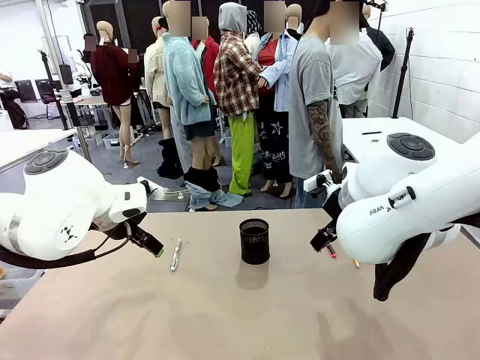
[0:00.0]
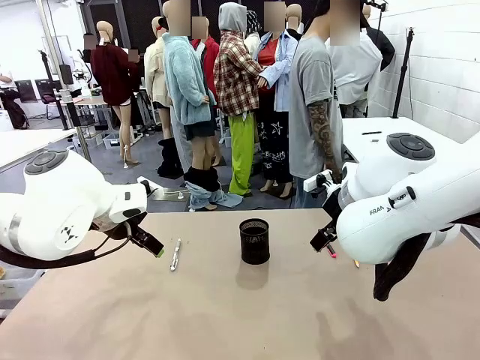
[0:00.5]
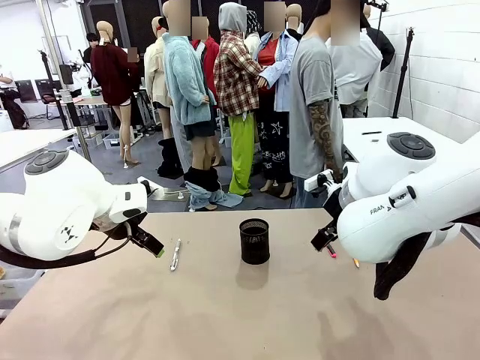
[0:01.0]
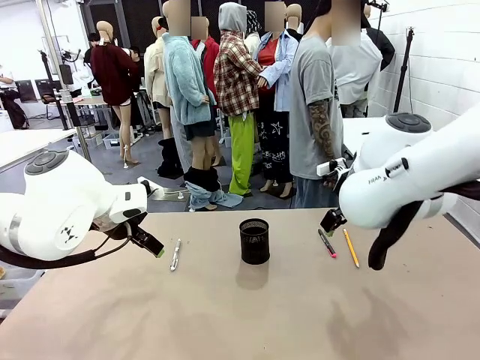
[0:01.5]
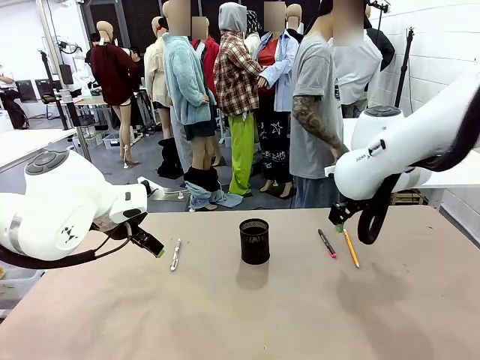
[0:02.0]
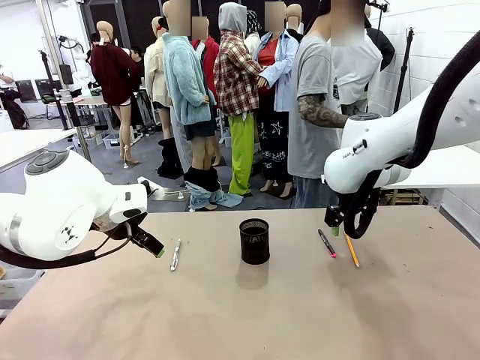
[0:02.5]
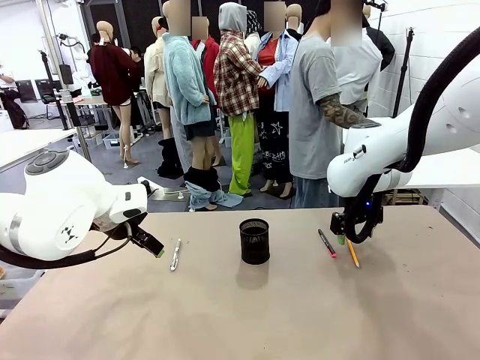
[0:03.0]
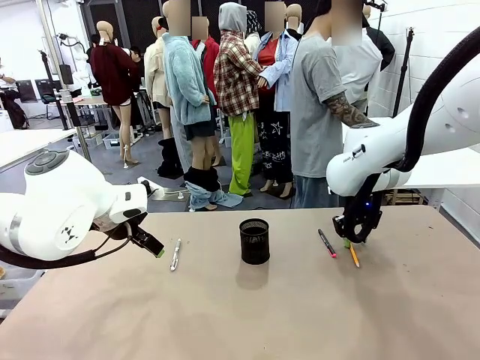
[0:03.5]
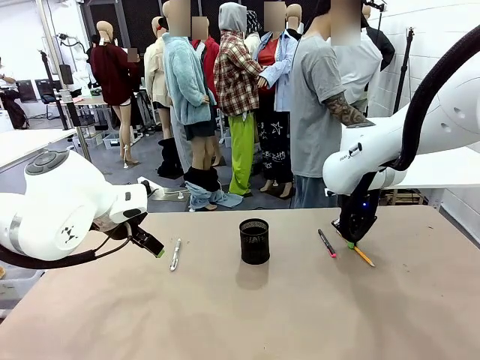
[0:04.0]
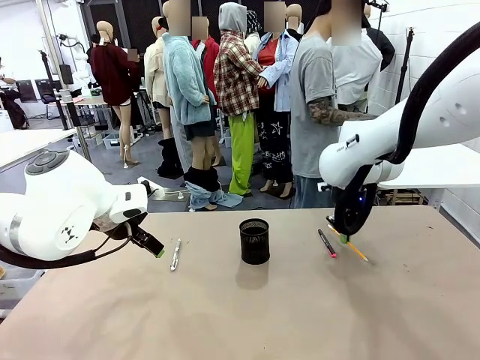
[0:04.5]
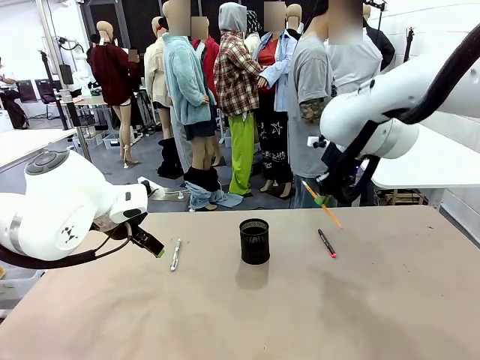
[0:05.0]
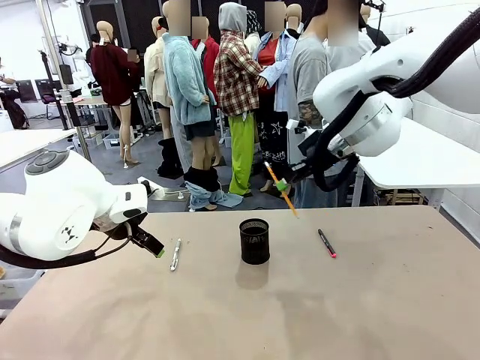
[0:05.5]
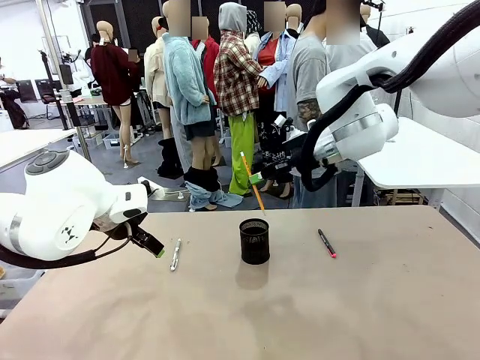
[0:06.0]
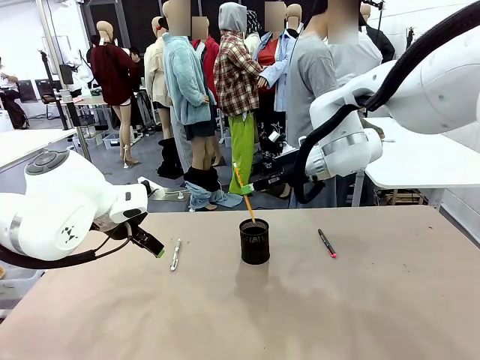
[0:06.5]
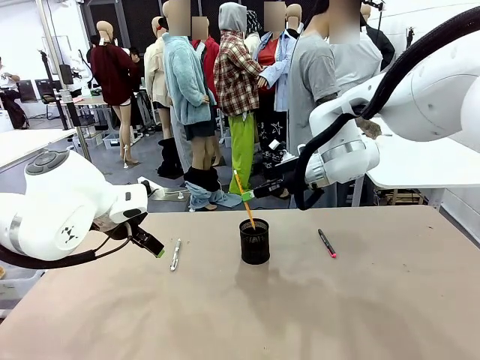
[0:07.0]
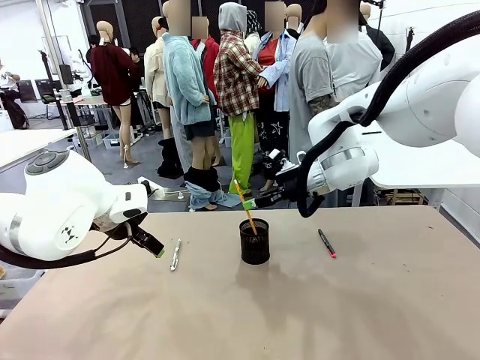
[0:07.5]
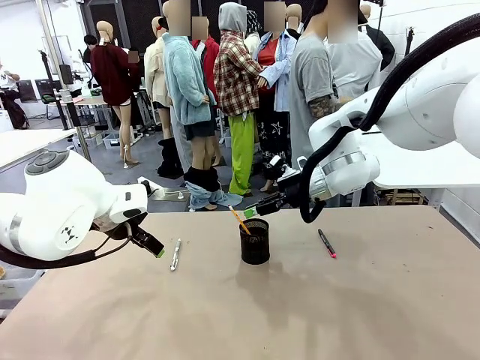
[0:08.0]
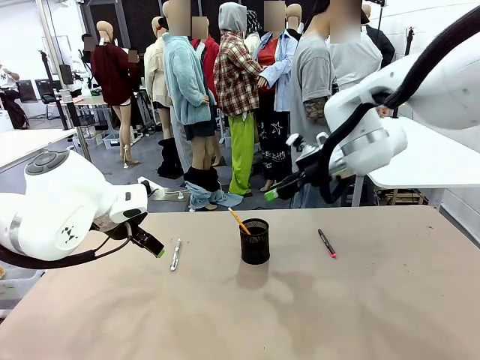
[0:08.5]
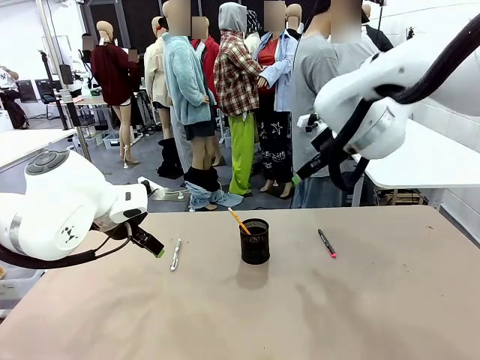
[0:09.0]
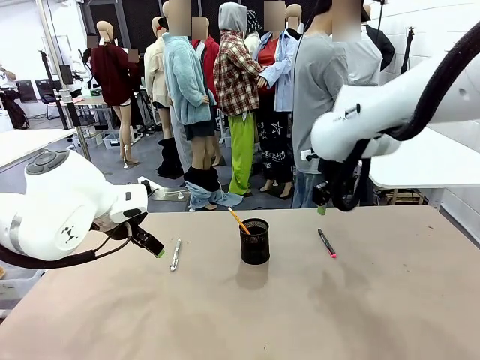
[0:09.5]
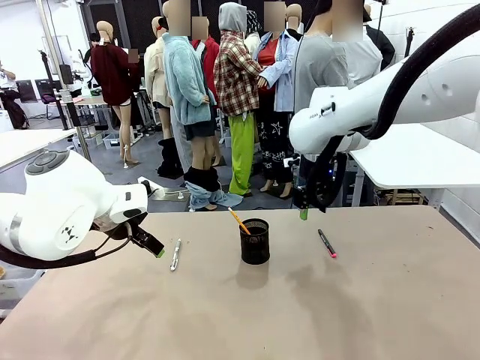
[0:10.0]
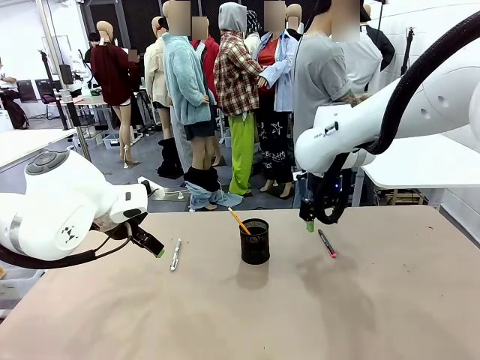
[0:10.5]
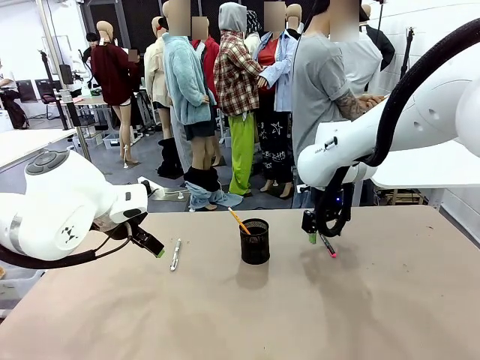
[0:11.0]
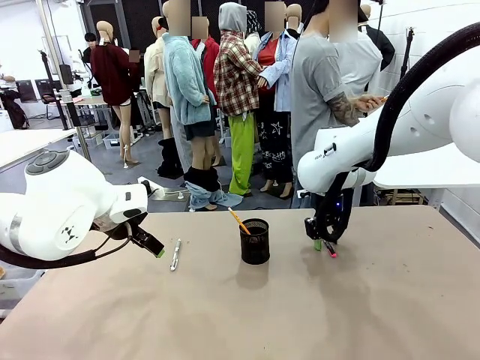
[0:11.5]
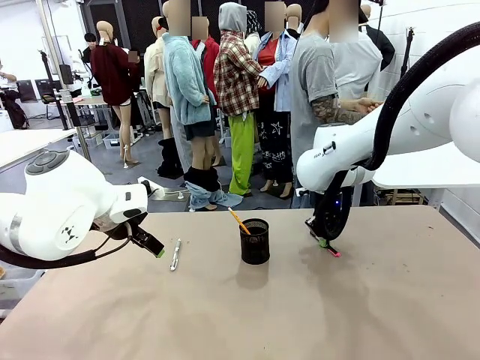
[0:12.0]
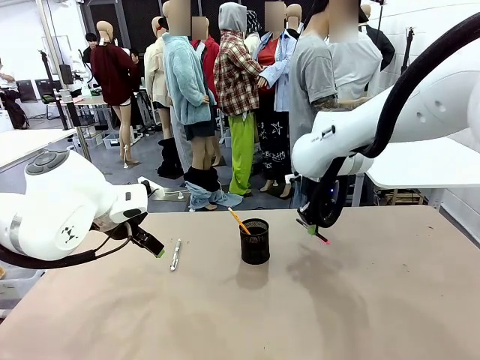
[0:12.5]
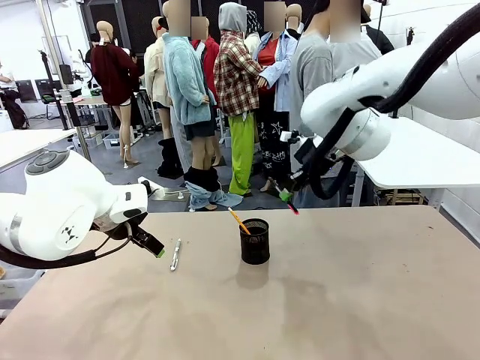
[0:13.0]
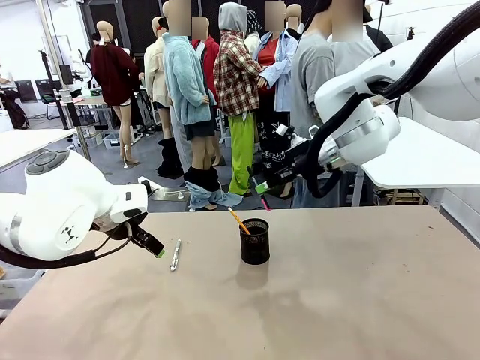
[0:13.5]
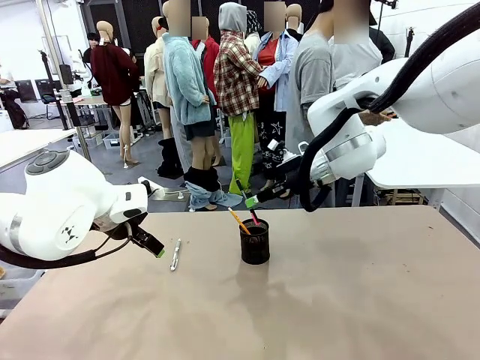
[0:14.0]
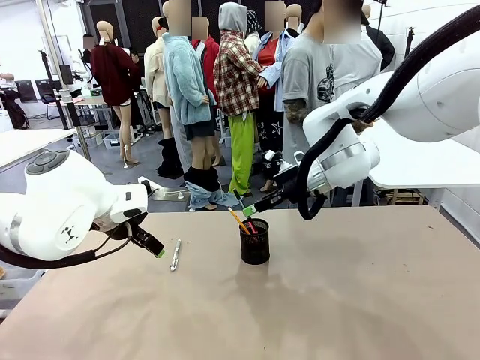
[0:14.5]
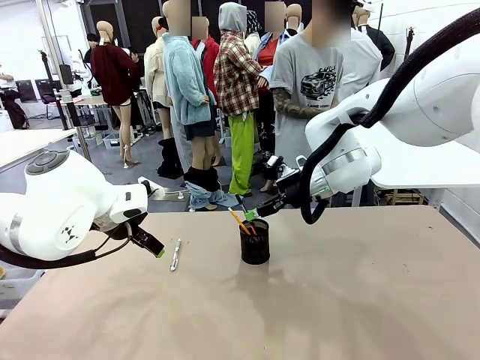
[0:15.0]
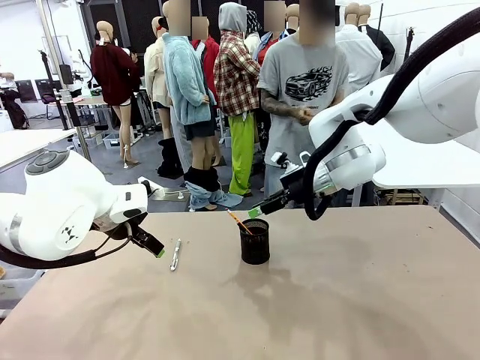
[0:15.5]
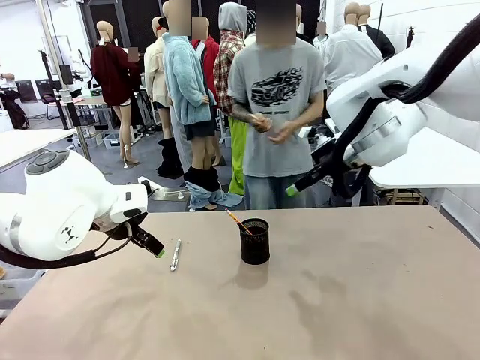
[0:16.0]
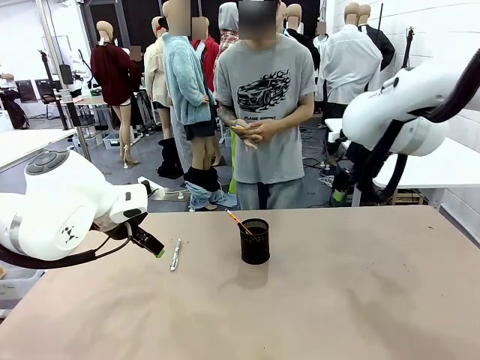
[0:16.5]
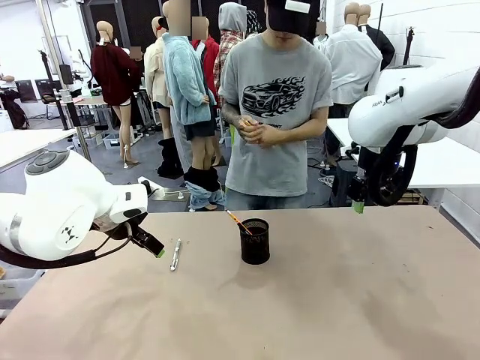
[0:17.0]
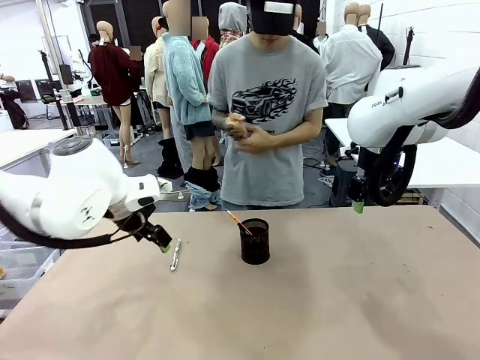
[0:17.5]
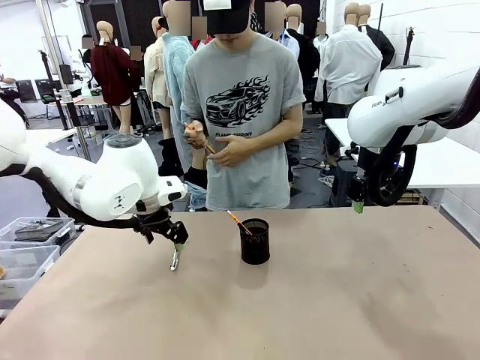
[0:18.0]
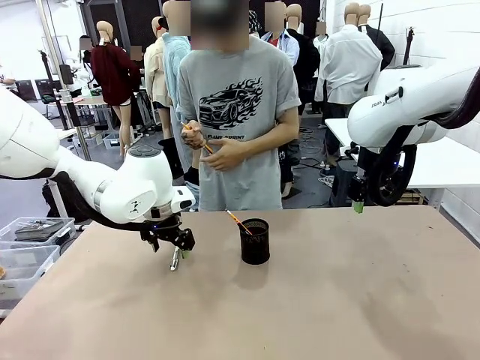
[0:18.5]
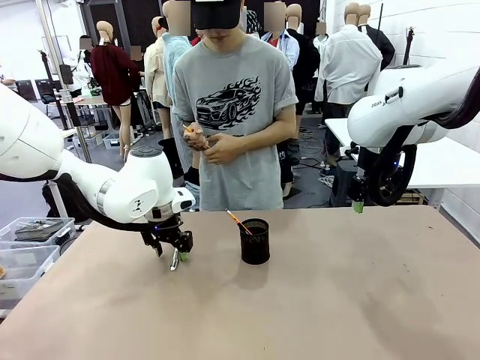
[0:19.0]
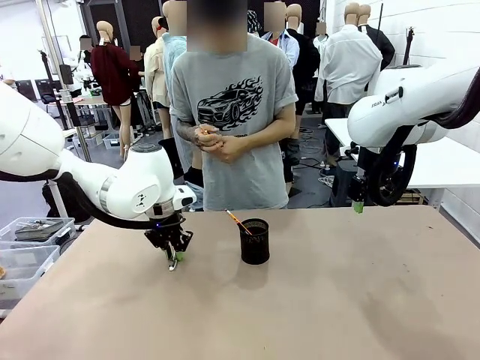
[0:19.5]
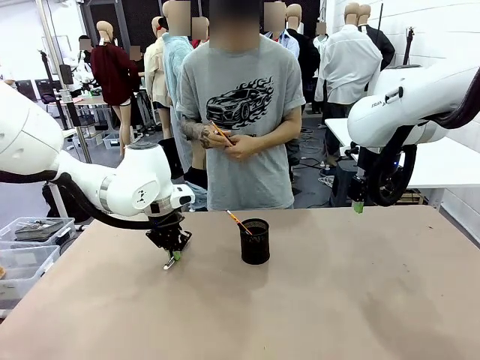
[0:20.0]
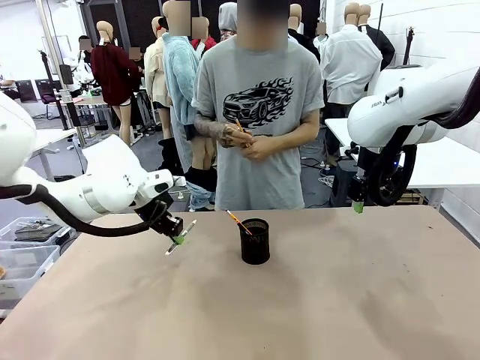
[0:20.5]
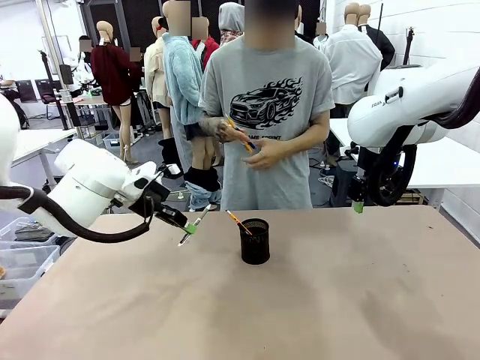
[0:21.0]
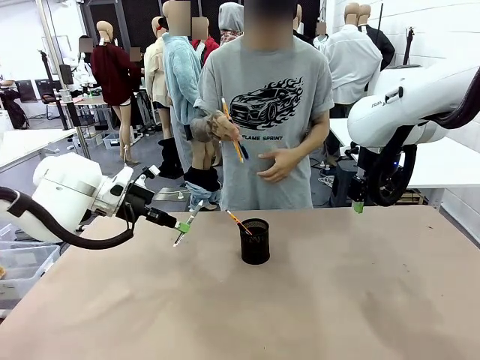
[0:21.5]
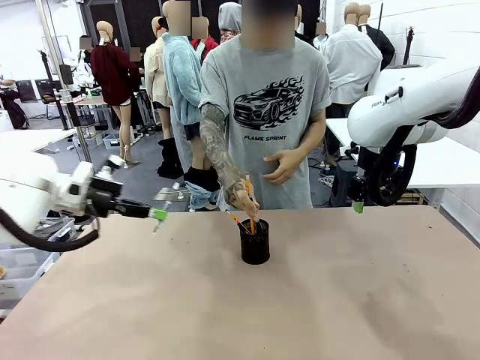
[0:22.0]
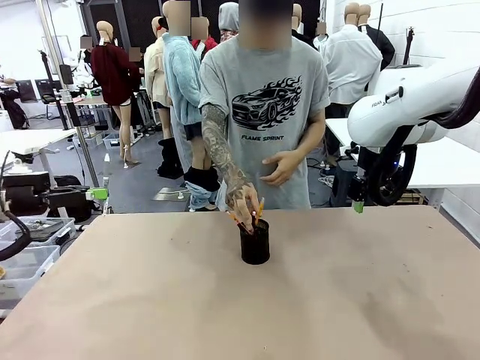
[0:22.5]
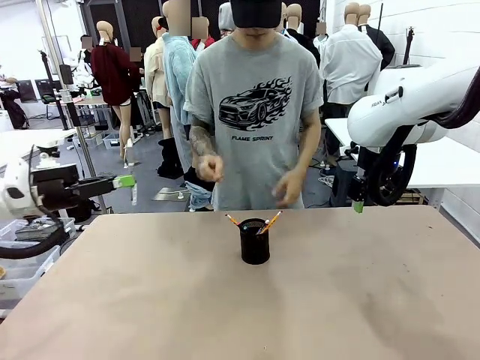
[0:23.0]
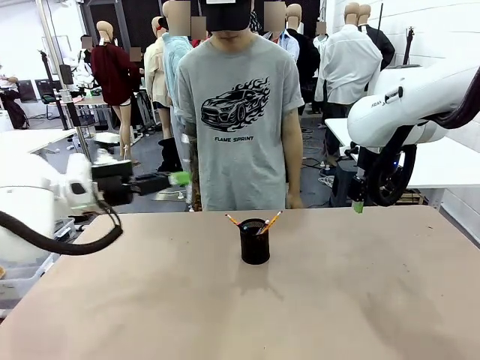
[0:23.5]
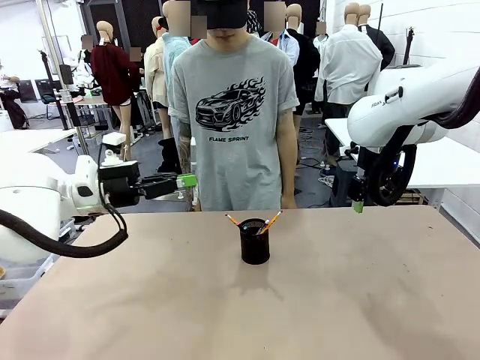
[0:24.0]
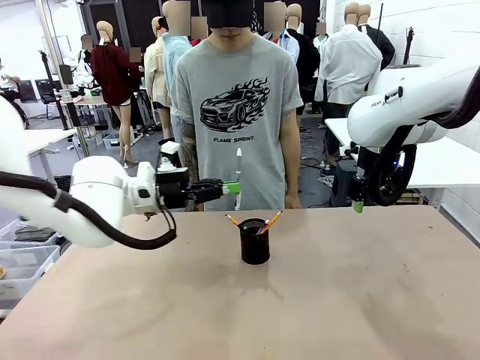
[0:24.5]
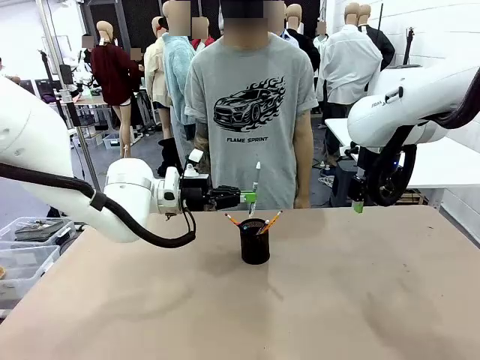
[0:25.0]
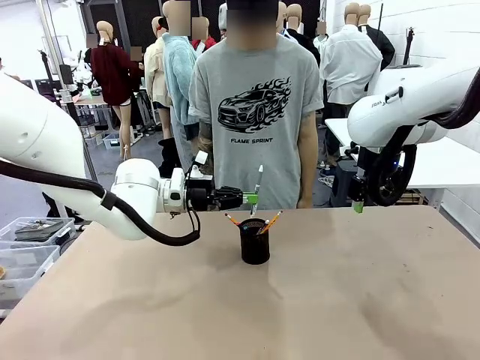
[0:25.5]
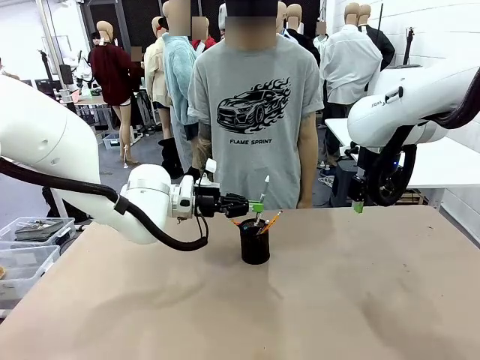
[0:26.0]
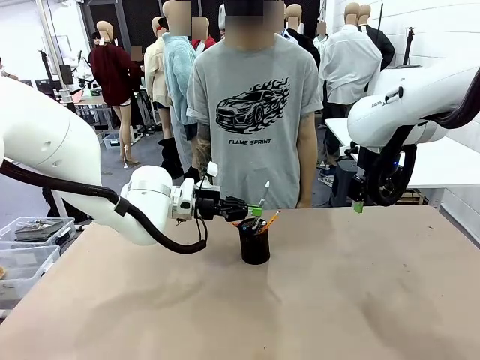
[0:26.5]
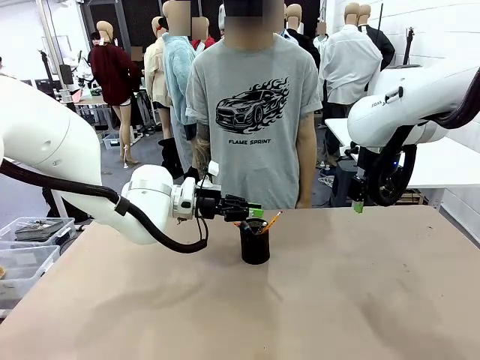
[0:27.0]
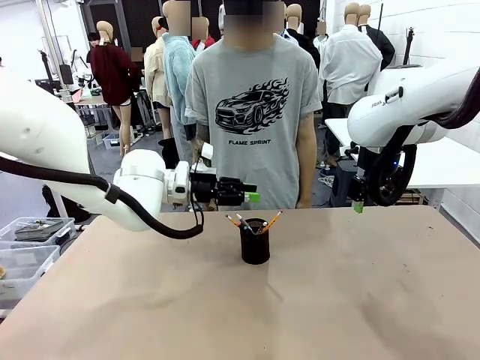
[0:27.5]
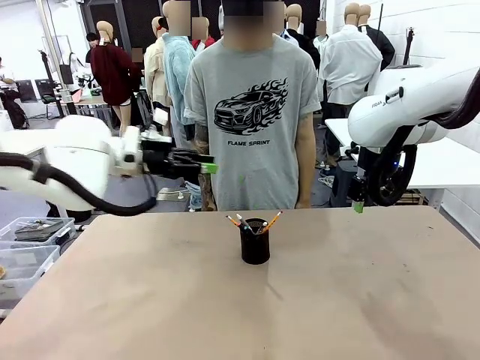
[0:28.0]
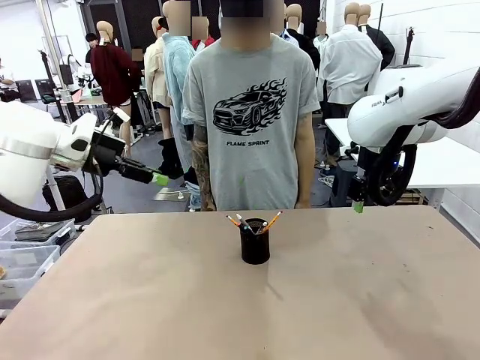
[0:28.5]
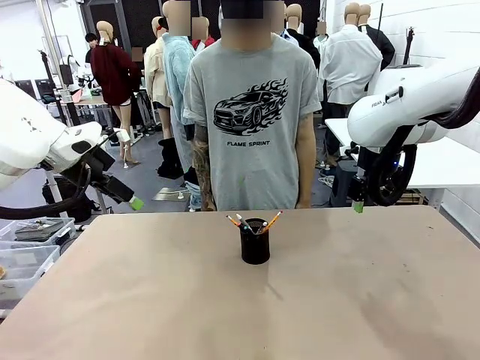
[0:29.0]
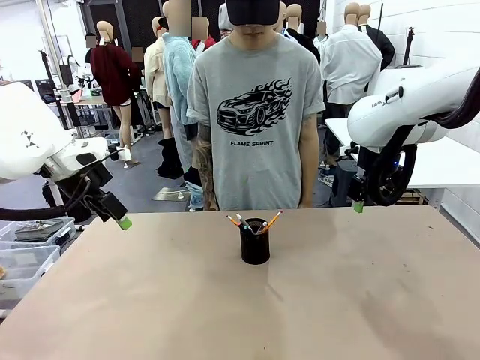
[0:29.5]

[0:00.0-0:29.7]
Task: Place the pens into the pen holder.
Robot: Pick up a writing instrument from the table and place it into the Pen holder.
Person: Pick up all writing instruments from the Human table. Place all writing instrument into the Pen holder.
